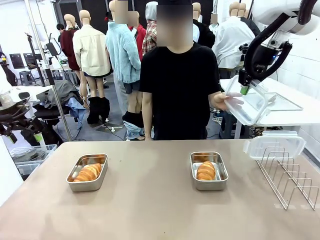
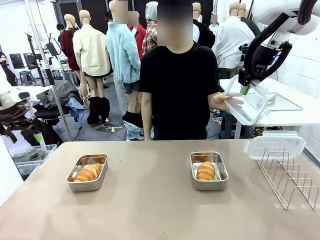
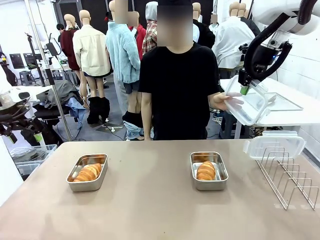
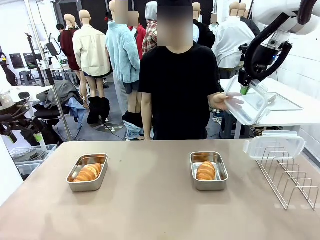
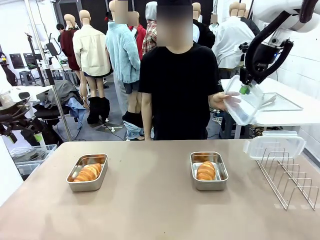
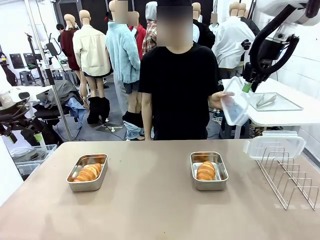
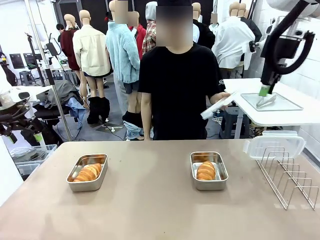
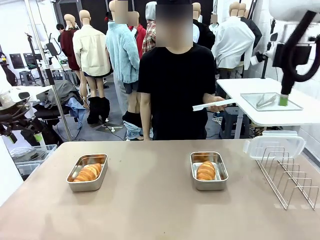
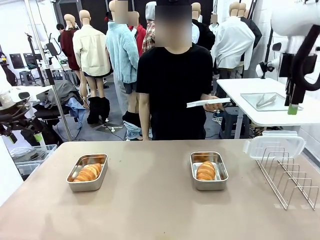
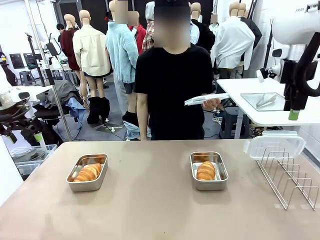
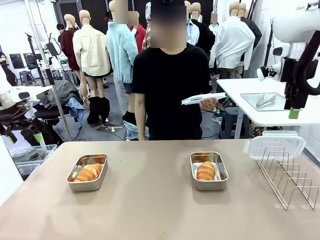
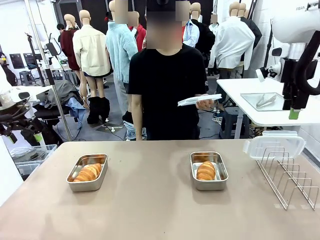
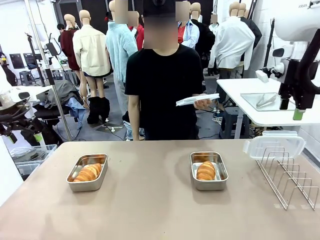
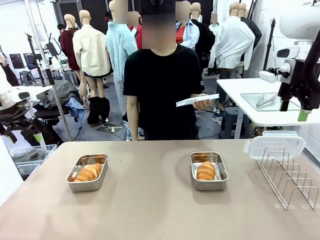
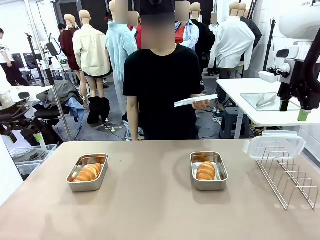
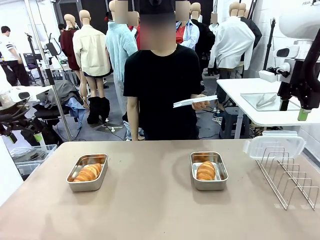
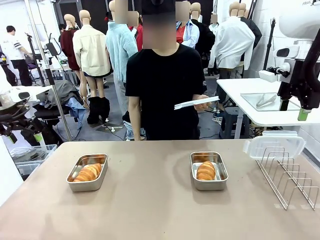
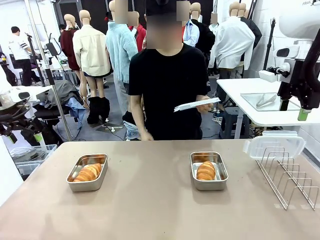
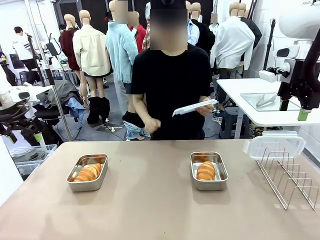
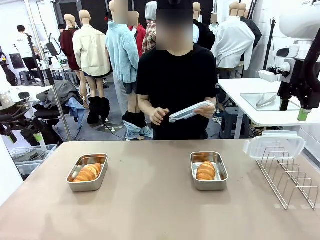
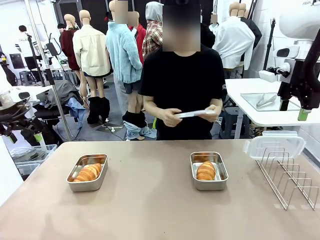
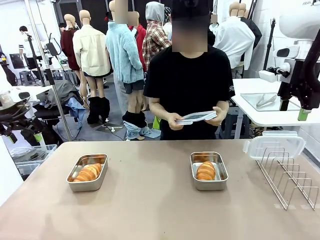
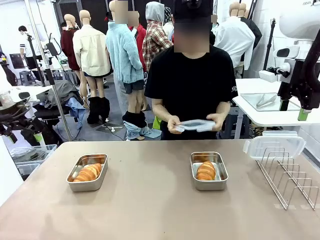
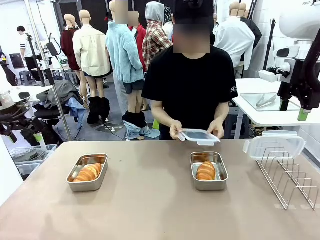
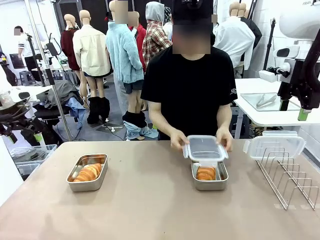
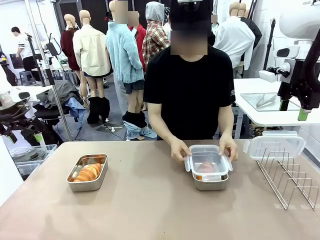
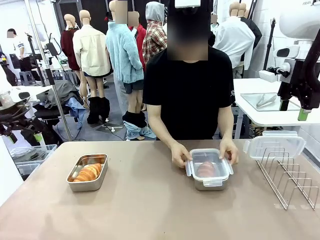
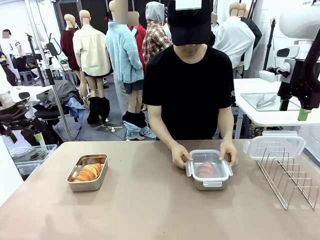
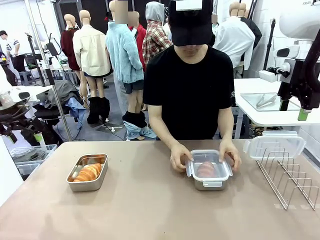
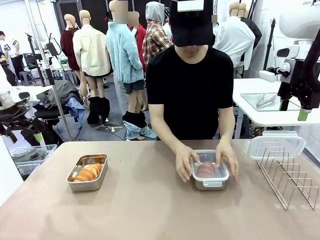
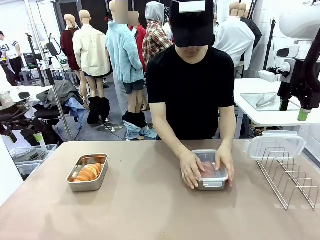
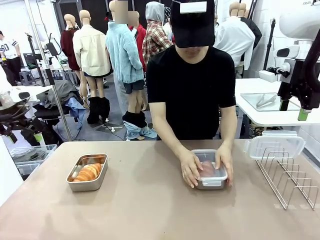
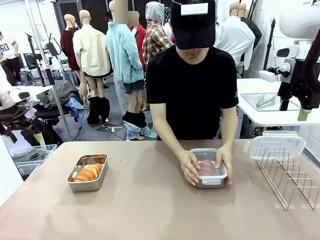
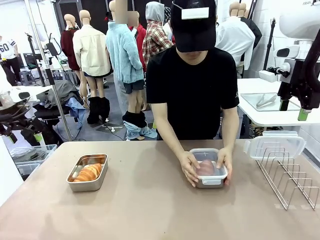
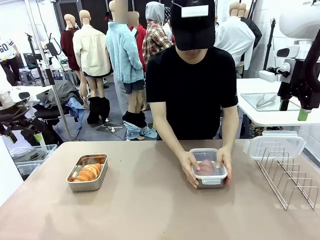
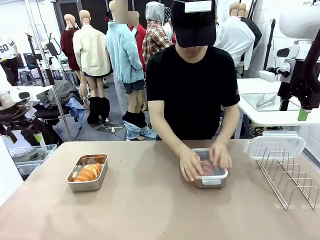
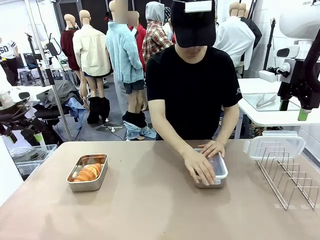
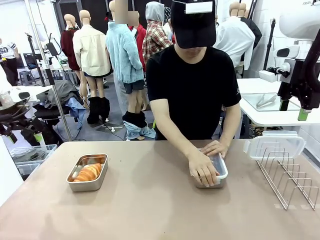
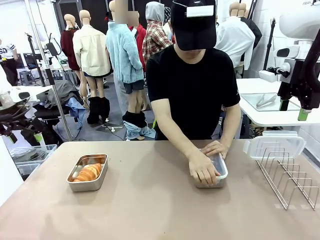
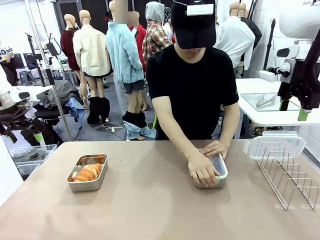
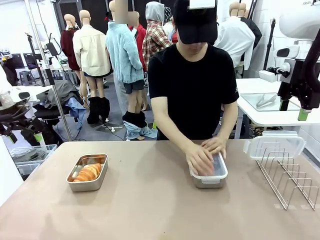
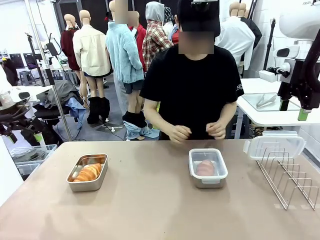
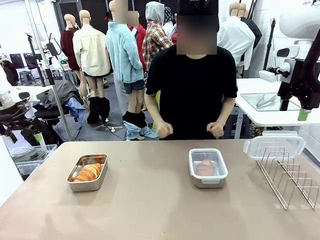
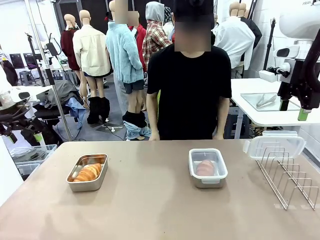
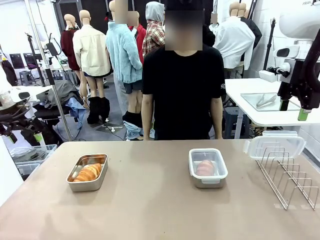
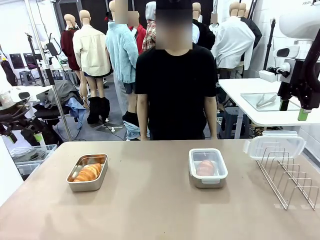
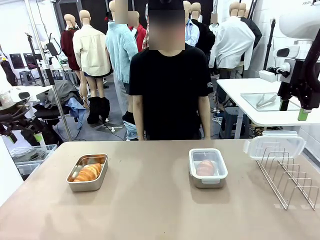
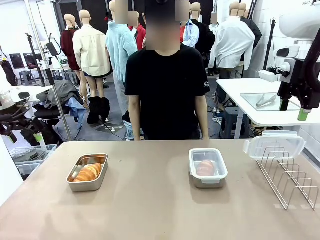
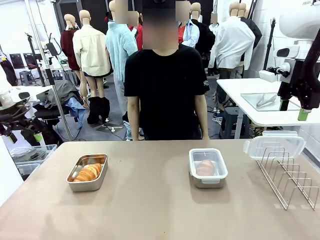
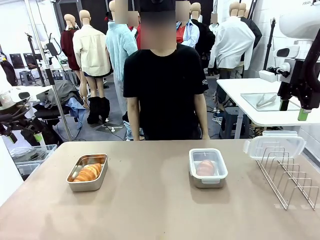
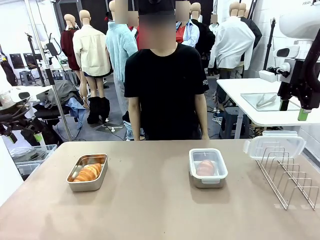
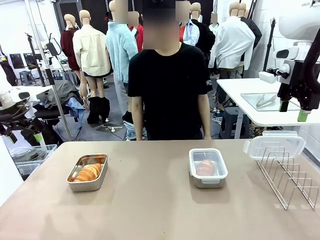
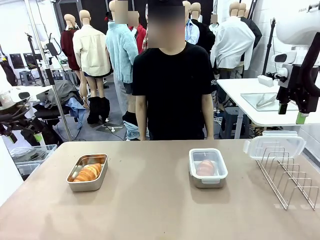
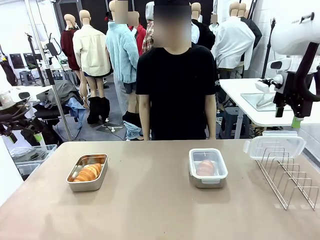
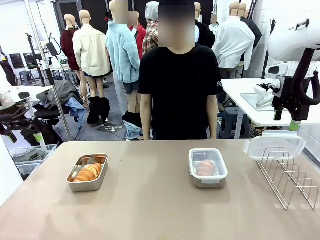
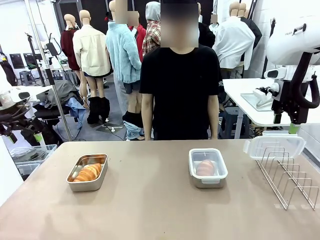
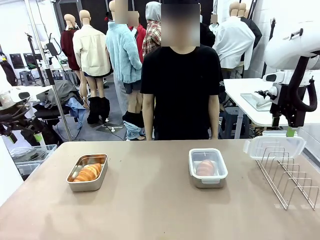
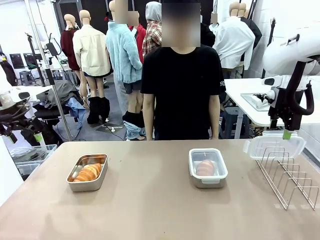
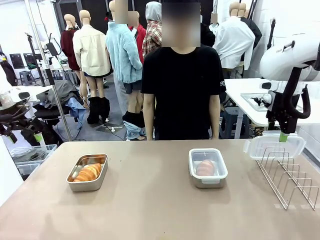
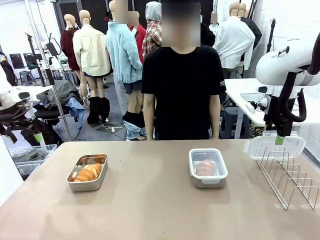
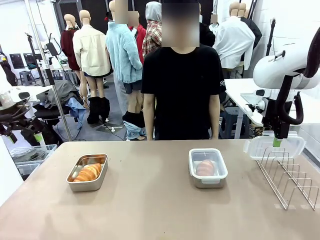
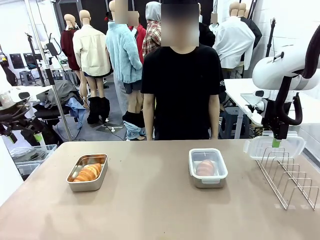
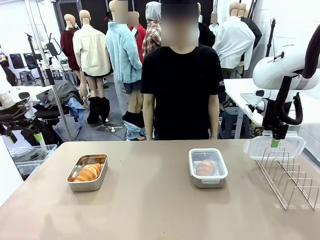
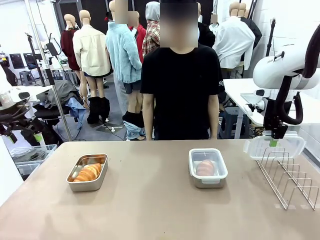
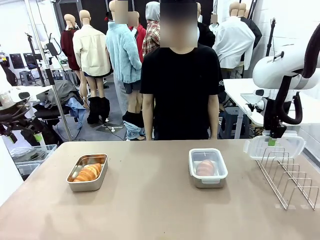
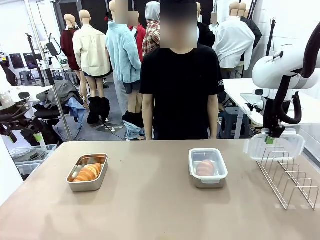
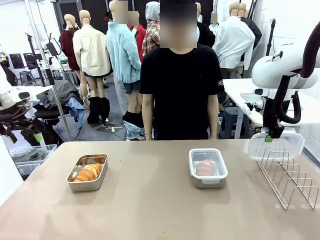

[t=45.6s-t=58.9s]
Task: Place the bread in airtight containers.
Robot: Pick up one Airtight Container lid and hand it to the human.
Person: Close Airtight Container with a handed Airtight Container lid.
